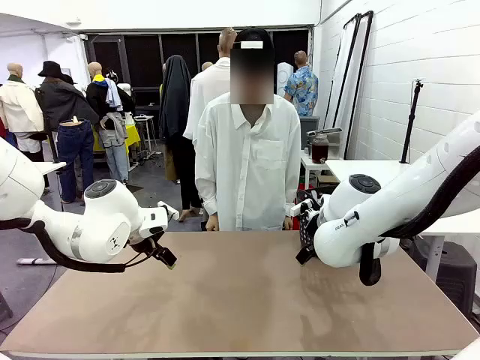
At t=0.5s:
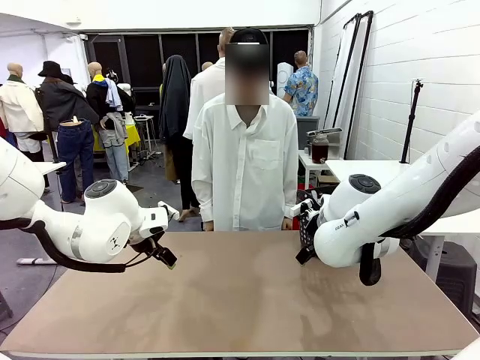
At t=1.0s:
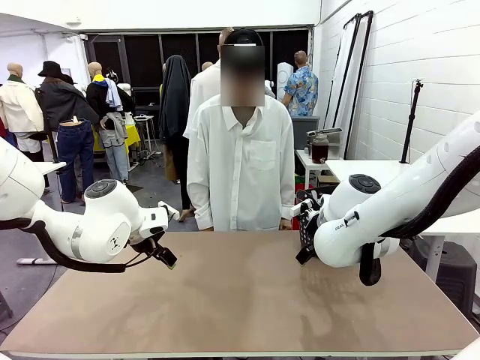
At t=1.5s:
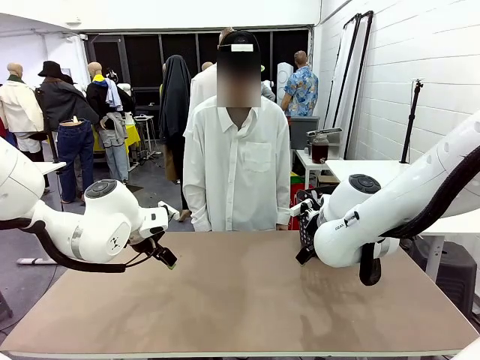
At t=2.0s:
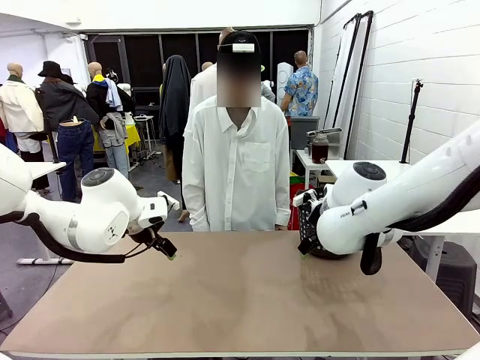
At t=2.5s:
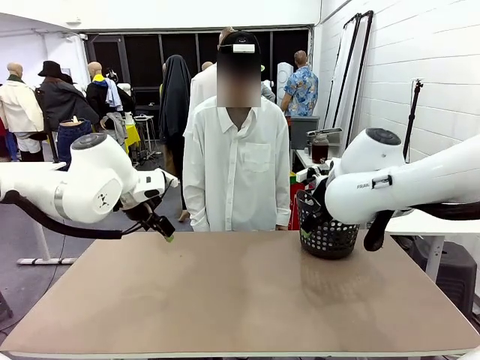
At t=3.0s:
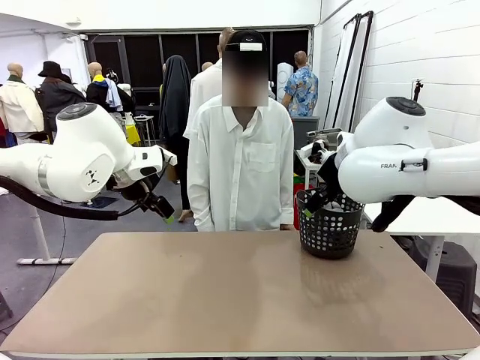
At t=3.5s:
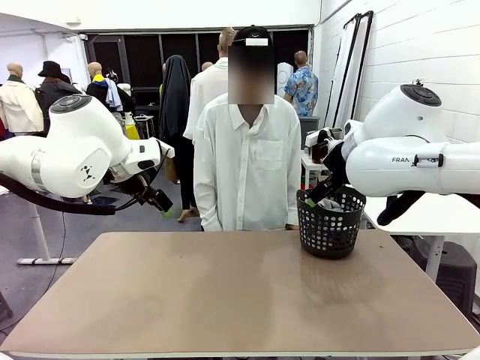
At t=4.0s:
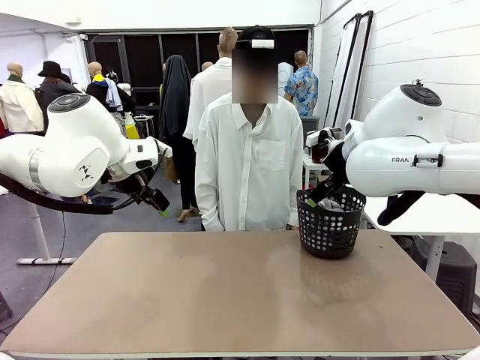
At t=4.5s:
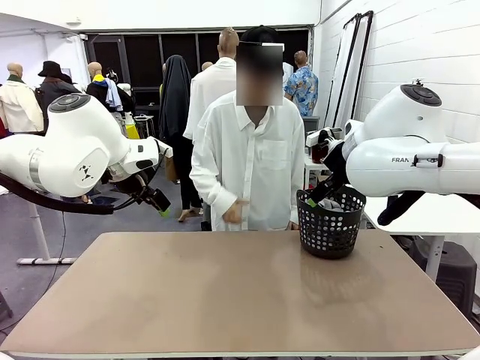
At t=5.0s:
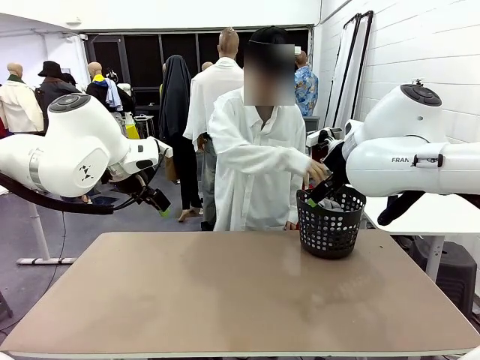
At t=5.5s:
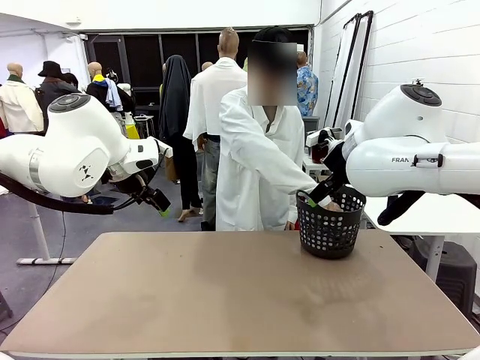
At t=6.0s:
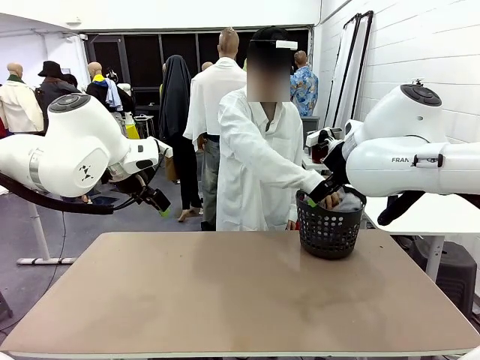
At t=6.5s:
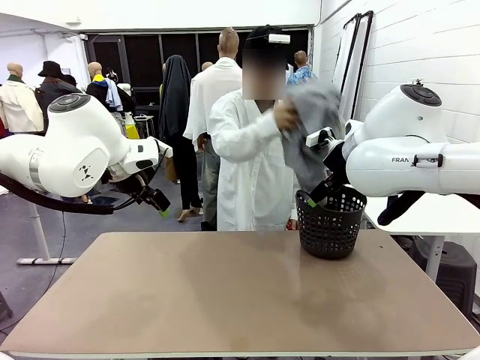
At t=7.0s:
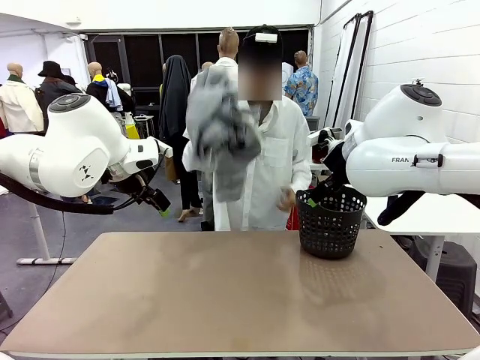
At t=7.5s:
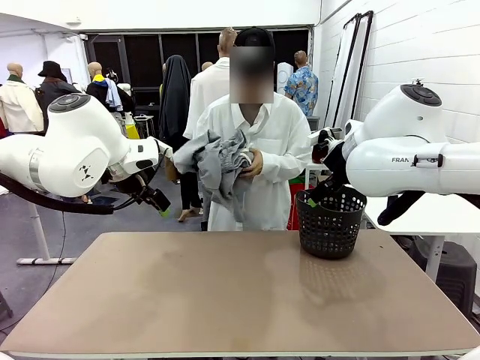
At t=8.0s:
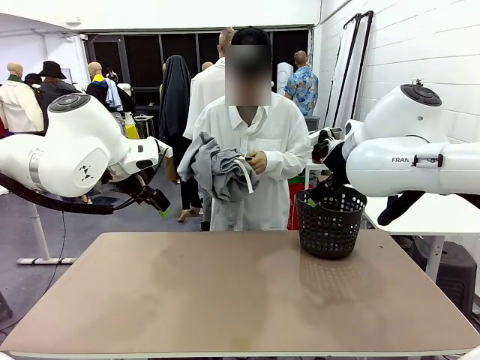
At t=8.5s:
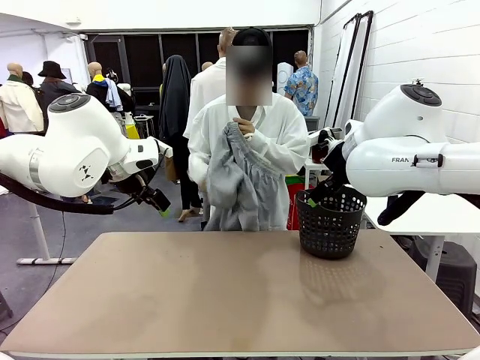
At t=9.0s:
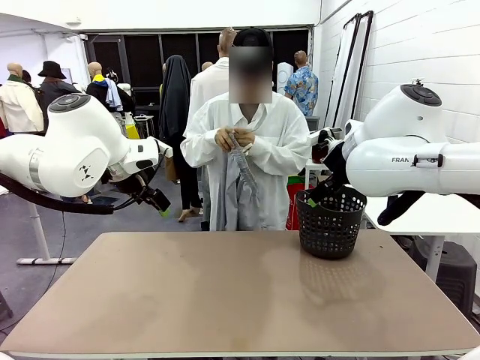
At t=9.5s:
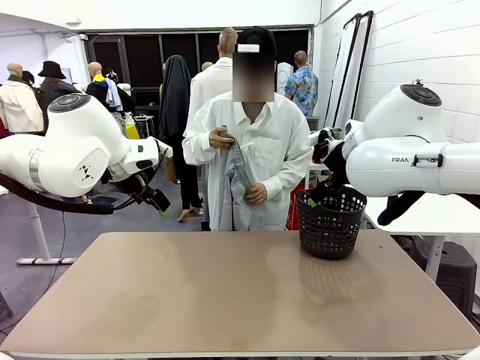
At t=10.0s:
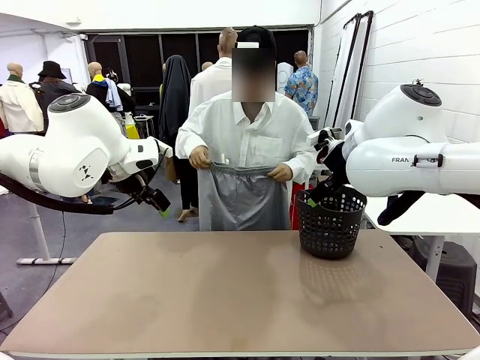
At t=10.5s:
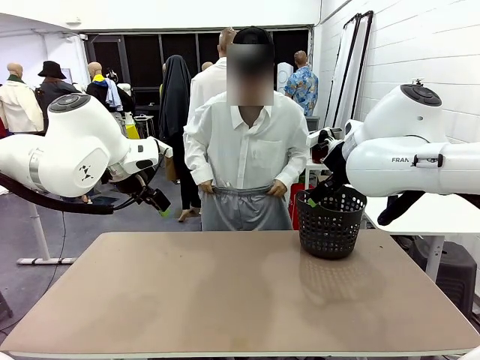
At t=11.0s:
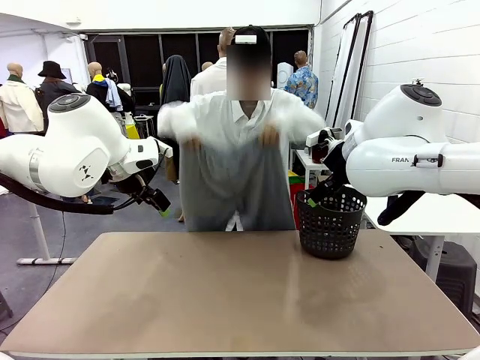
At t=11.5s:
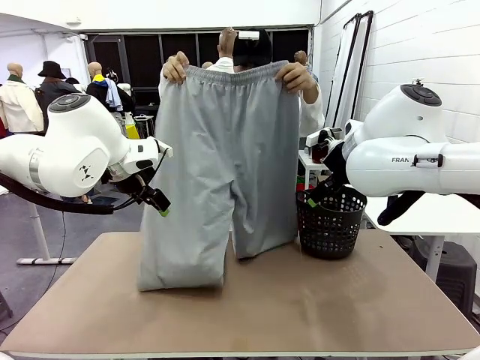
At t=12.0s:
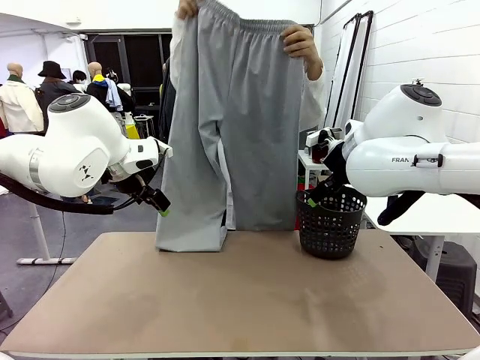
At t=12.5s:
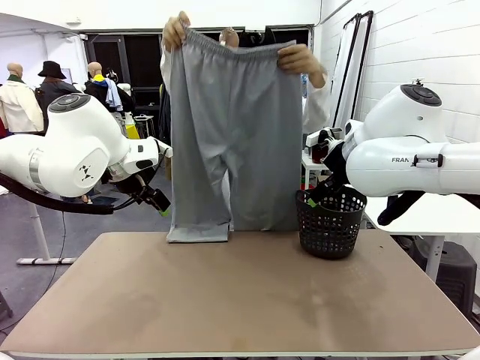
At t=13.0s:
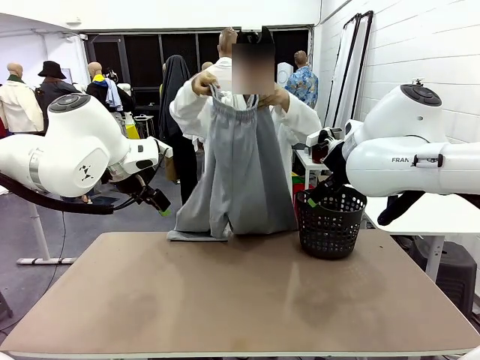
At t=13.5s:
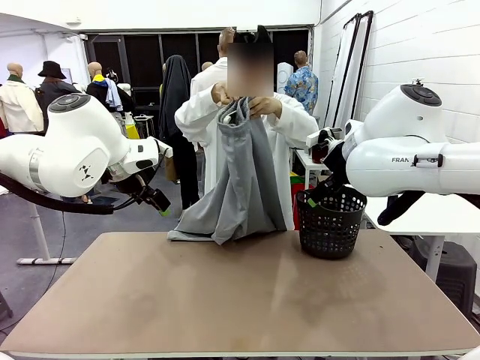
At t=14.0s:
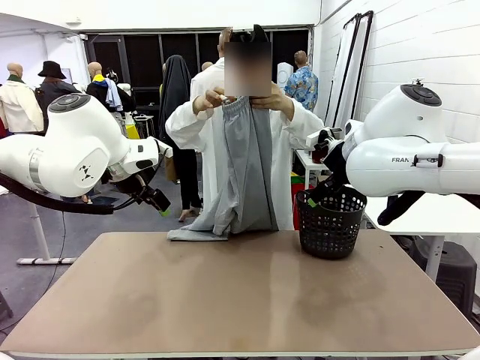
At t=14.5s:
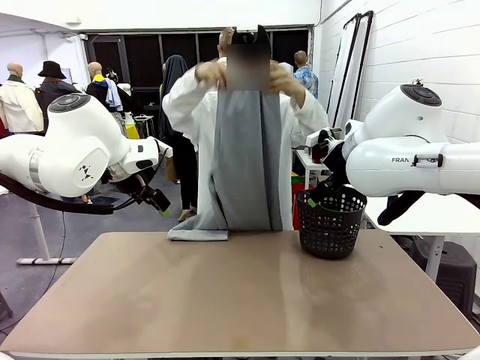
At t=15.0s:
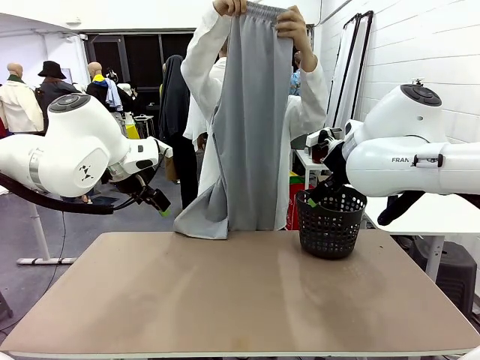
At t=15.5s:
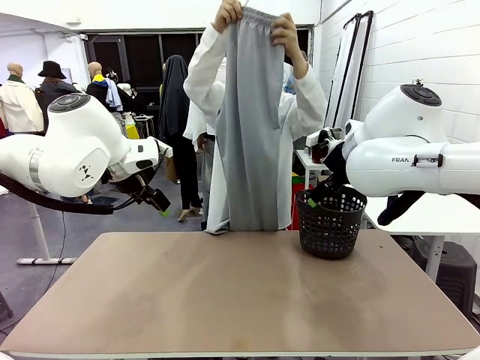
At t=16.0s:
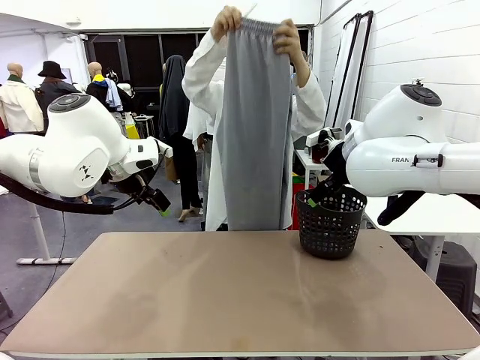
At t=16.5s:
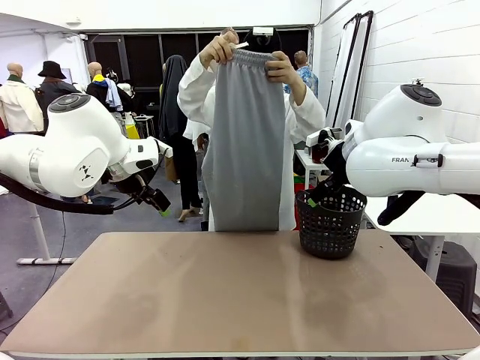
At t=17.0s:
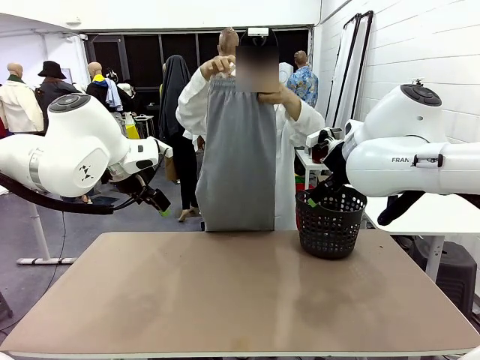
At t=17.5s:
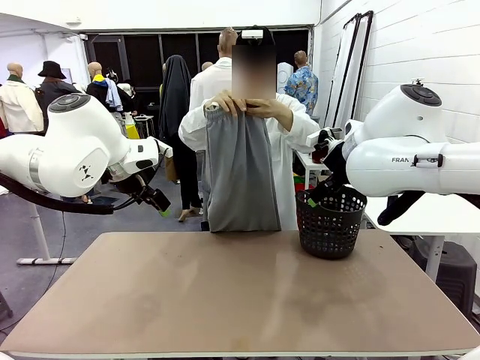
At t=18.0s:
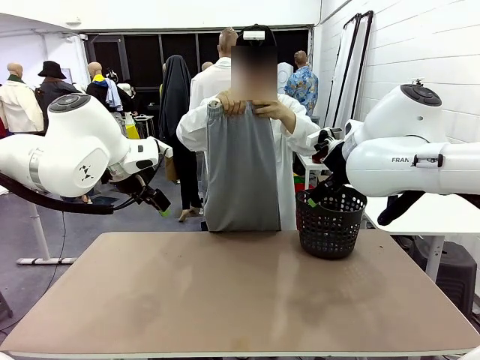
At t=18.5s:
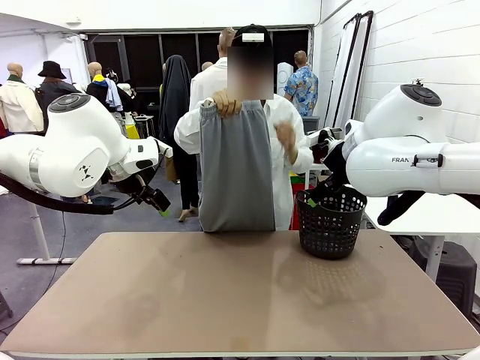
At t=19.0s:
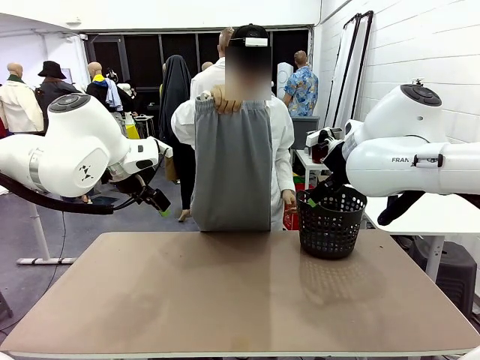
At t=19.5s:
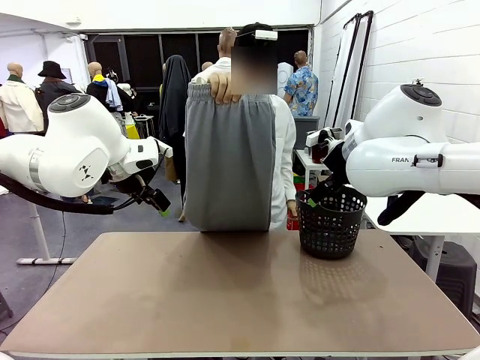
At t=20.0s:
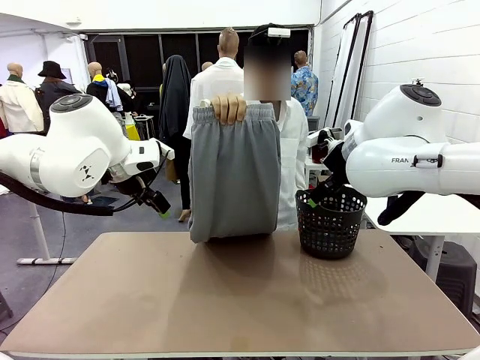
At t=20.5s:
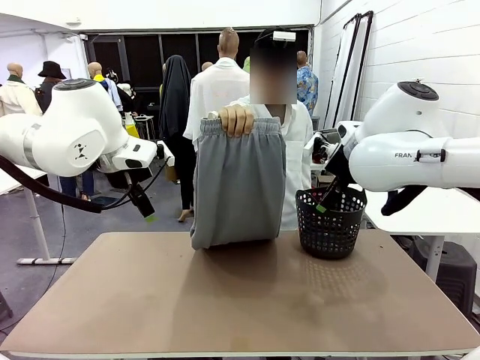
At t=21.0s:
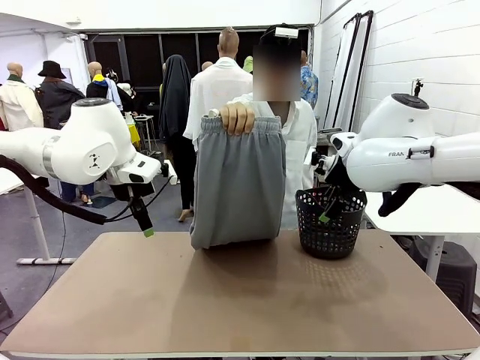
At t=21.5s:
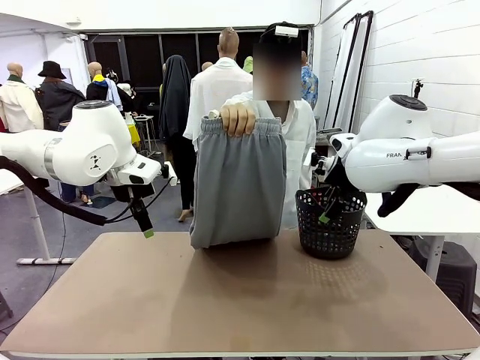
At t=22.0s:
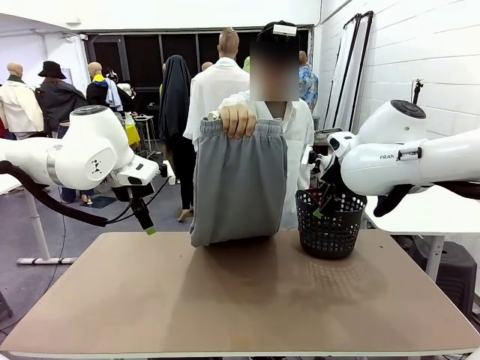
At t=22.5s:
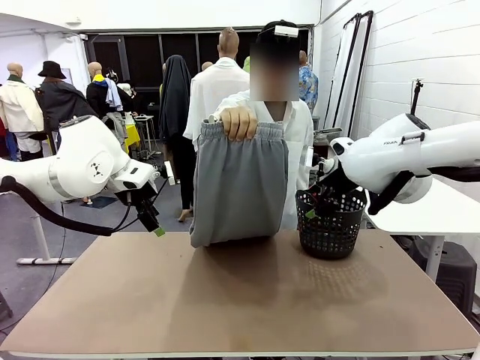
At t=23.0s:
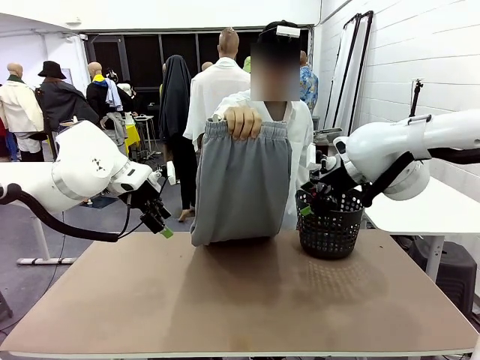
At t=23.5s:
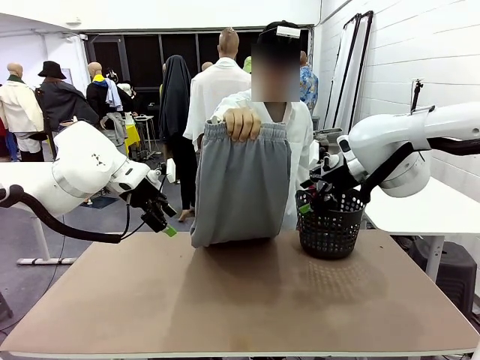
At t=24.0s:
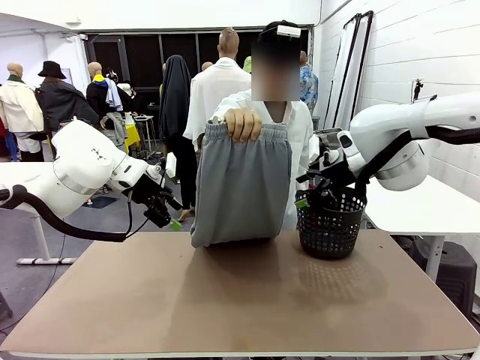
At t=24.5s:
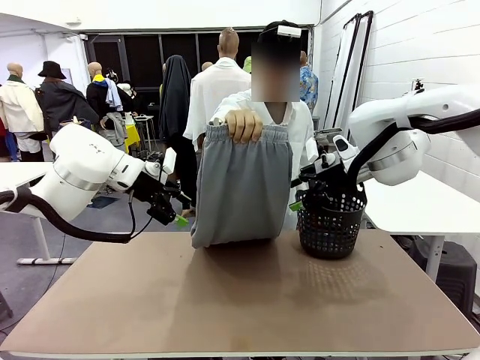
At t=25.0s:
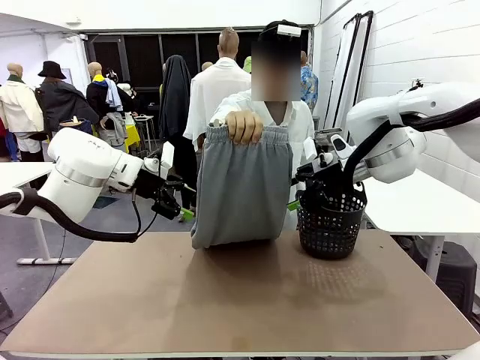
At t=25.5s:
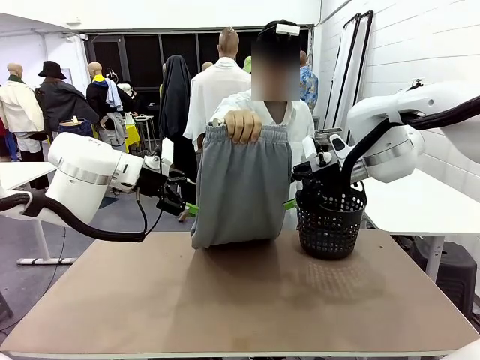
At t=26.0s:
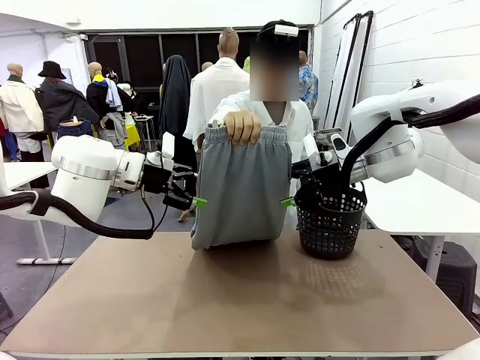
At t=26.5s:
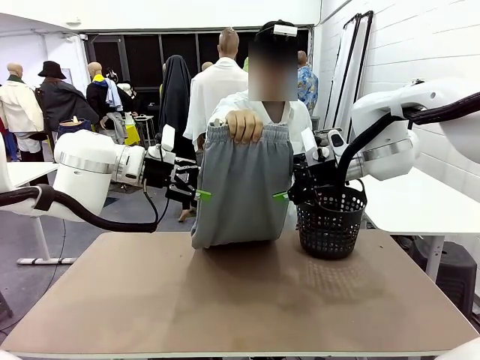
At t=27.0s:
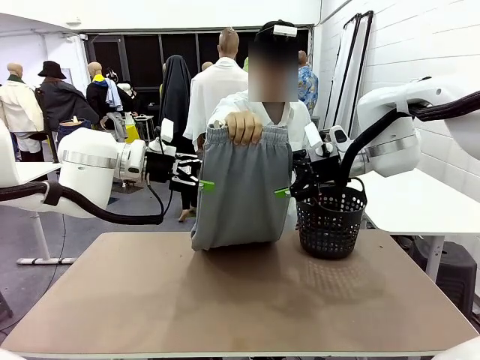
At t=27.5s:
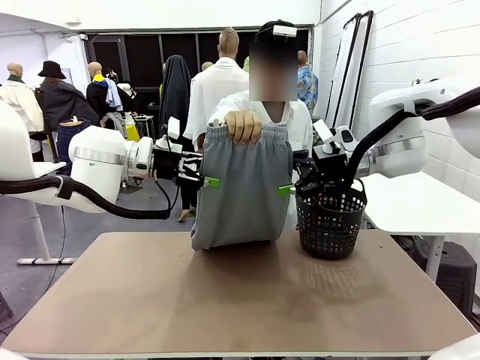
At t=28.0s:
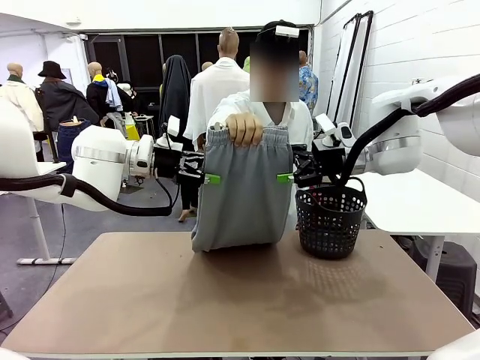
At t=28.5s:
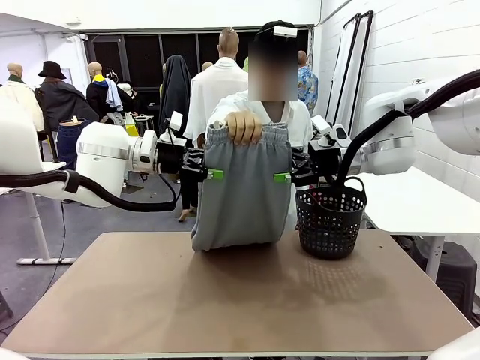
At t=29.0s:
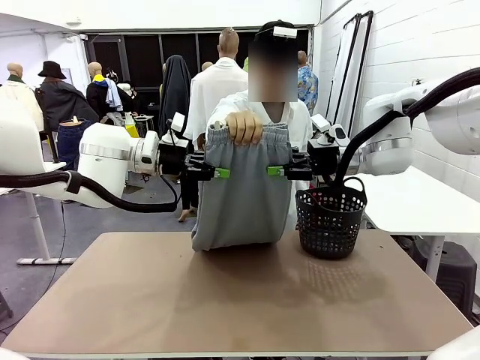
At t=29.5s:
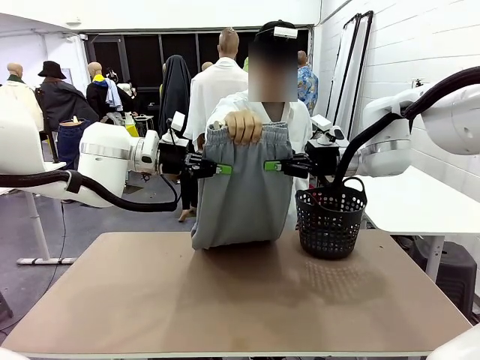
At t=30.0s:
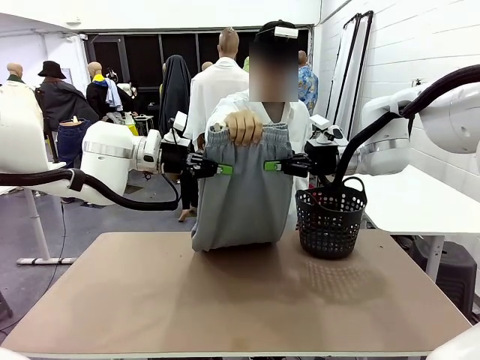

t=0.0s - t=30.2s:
Task: Fold the training pants.
Robot: Grab both ends of the Training pants handed by a person.
Person: Take the long pants out of the laundry basket, unfold them, fold the waist in half, and extend them so the robot can pick up both corners.
